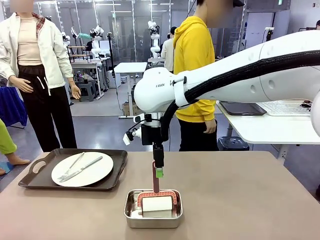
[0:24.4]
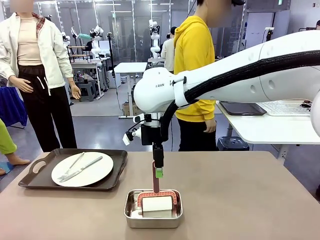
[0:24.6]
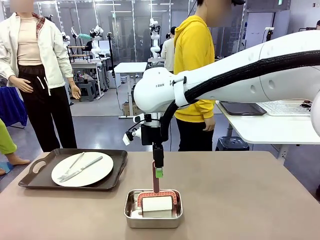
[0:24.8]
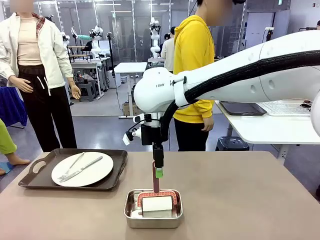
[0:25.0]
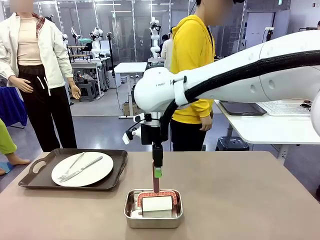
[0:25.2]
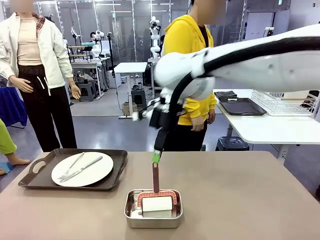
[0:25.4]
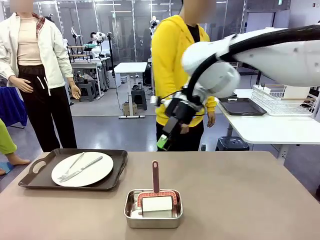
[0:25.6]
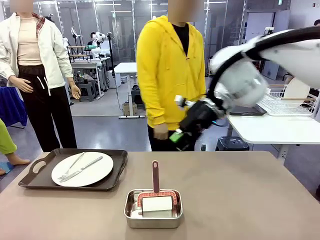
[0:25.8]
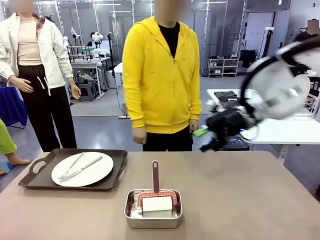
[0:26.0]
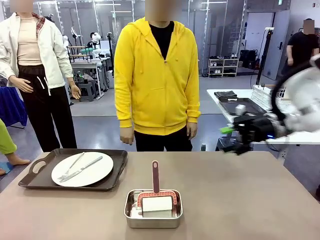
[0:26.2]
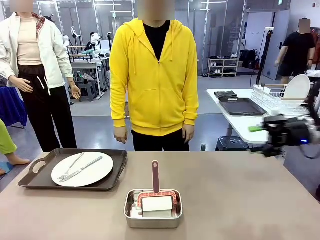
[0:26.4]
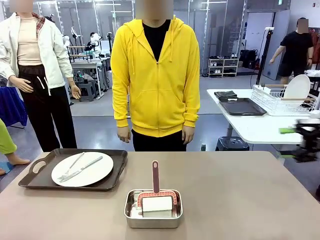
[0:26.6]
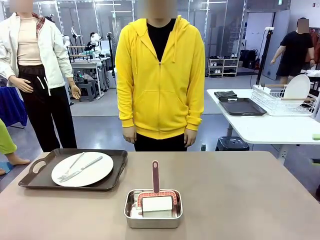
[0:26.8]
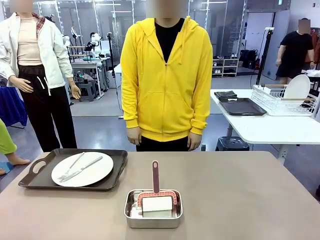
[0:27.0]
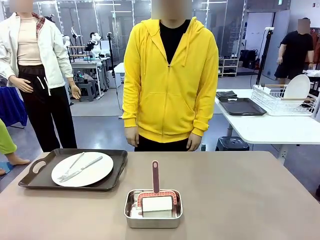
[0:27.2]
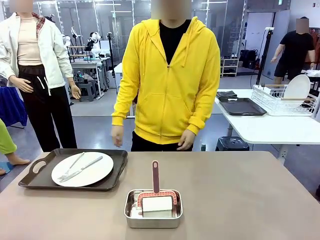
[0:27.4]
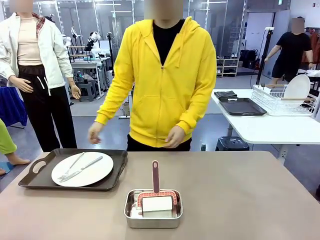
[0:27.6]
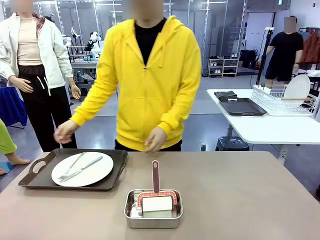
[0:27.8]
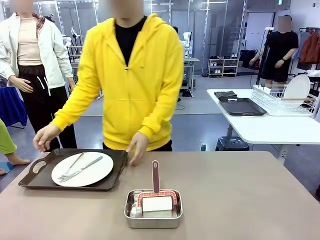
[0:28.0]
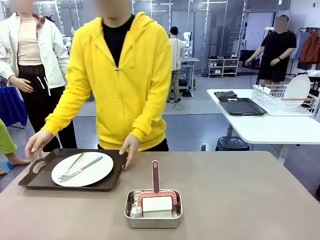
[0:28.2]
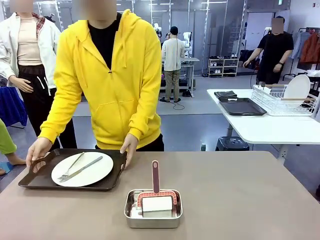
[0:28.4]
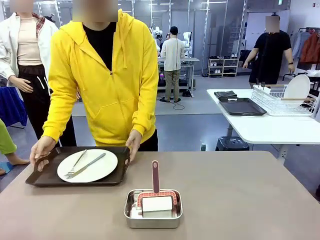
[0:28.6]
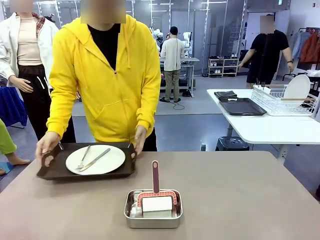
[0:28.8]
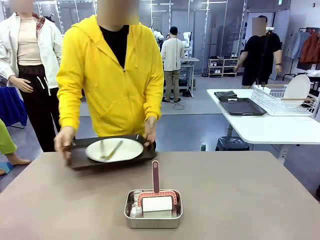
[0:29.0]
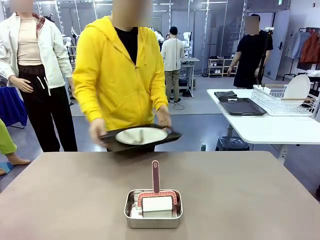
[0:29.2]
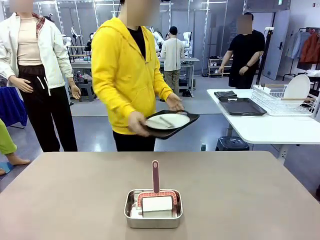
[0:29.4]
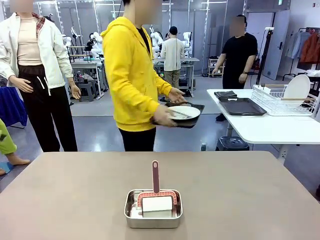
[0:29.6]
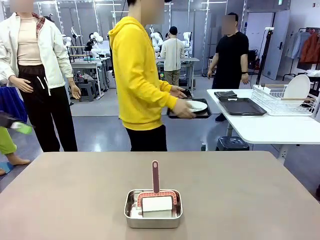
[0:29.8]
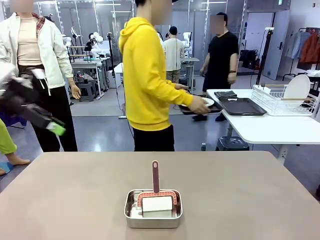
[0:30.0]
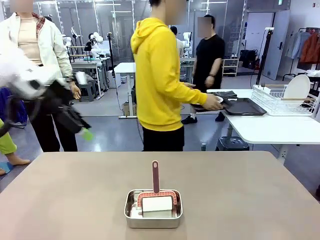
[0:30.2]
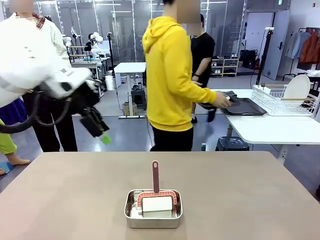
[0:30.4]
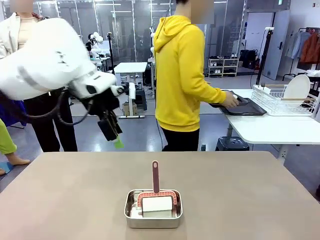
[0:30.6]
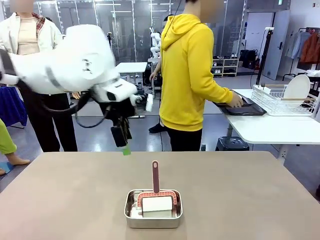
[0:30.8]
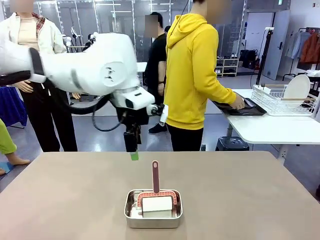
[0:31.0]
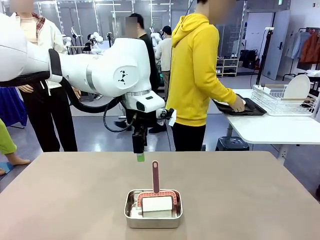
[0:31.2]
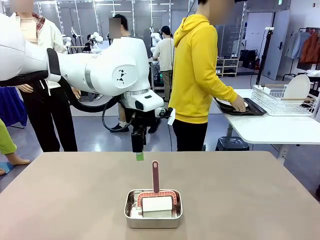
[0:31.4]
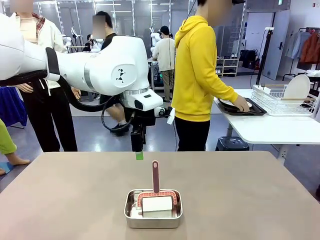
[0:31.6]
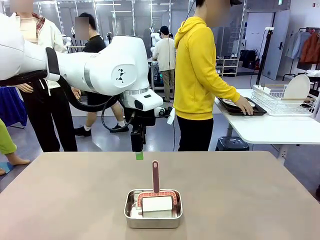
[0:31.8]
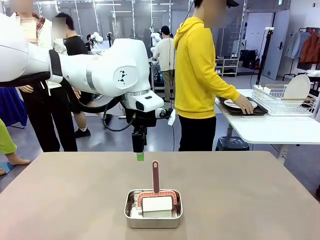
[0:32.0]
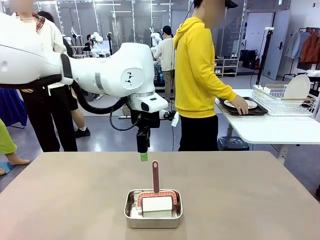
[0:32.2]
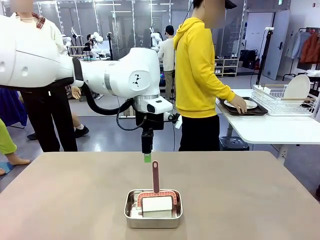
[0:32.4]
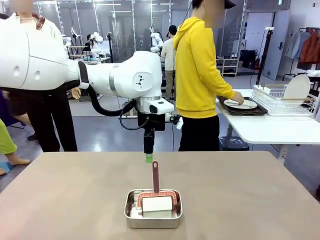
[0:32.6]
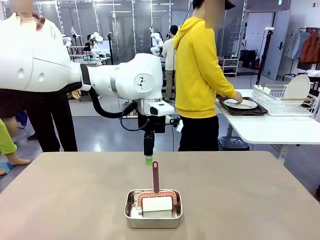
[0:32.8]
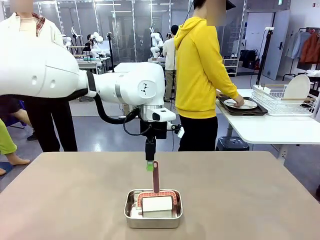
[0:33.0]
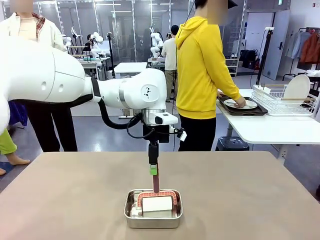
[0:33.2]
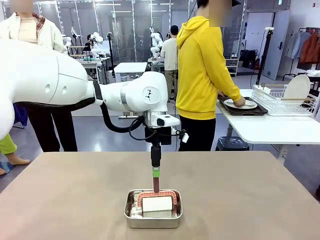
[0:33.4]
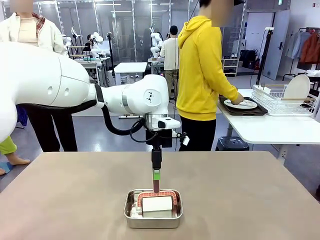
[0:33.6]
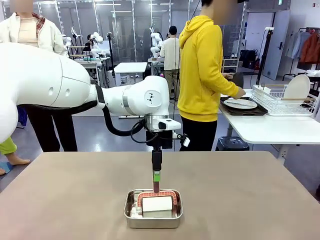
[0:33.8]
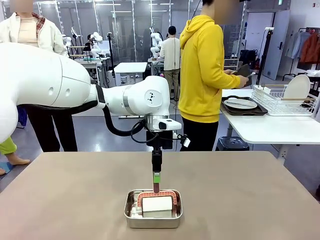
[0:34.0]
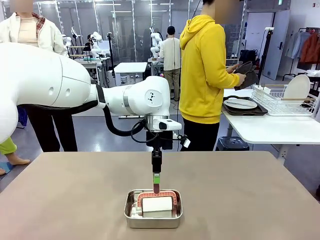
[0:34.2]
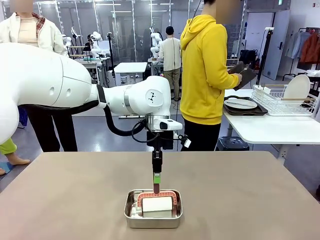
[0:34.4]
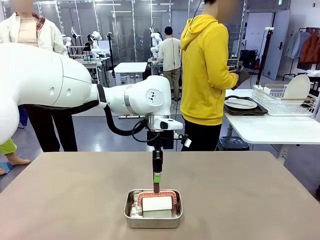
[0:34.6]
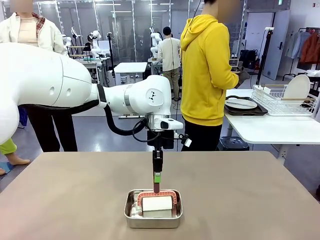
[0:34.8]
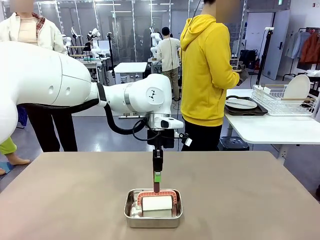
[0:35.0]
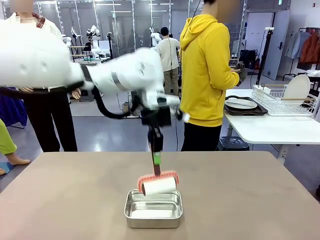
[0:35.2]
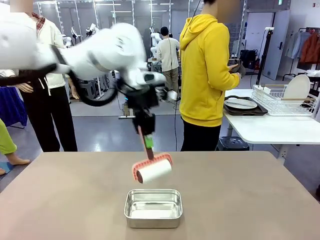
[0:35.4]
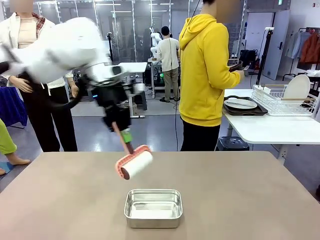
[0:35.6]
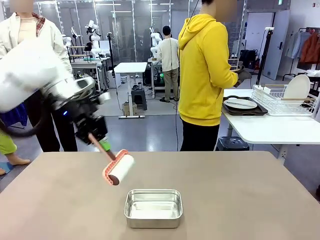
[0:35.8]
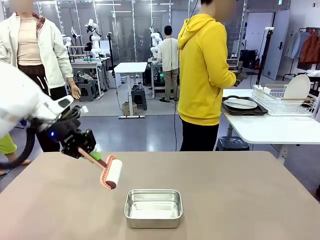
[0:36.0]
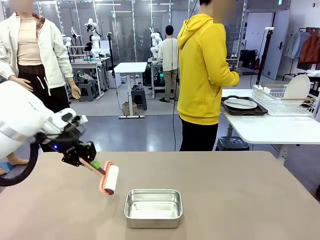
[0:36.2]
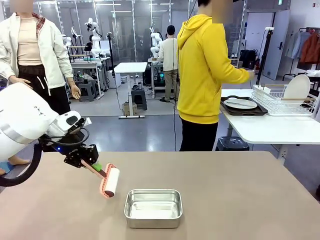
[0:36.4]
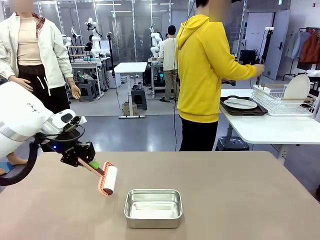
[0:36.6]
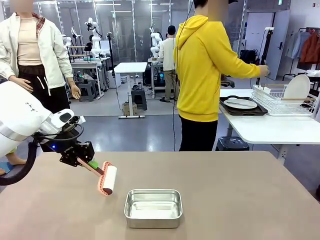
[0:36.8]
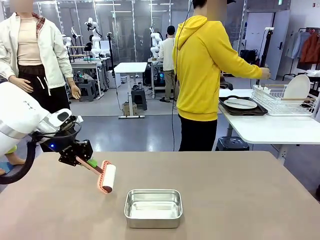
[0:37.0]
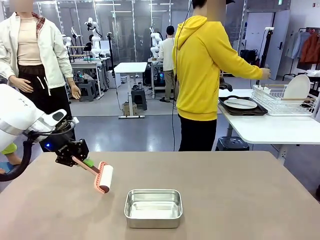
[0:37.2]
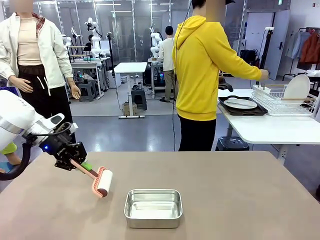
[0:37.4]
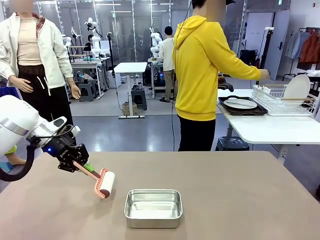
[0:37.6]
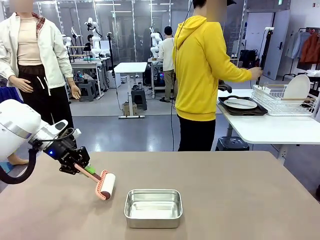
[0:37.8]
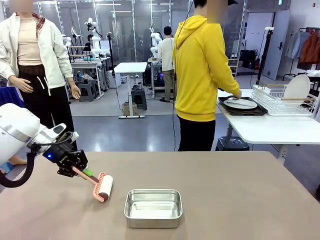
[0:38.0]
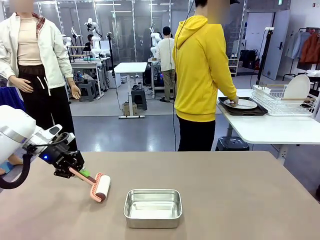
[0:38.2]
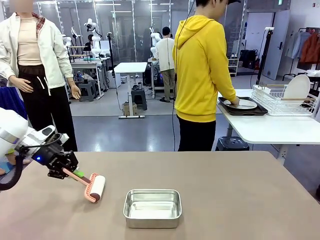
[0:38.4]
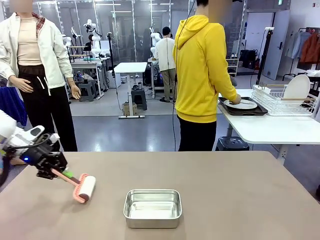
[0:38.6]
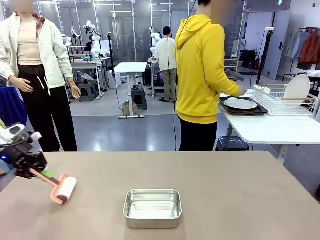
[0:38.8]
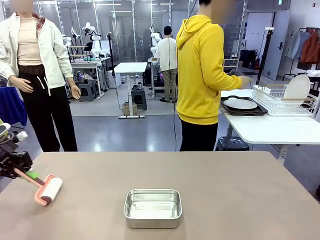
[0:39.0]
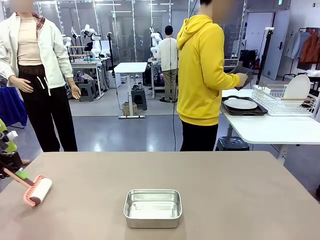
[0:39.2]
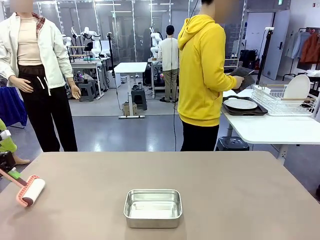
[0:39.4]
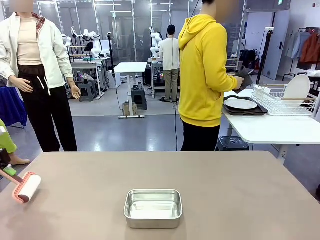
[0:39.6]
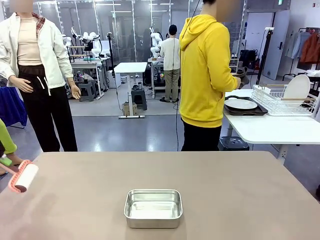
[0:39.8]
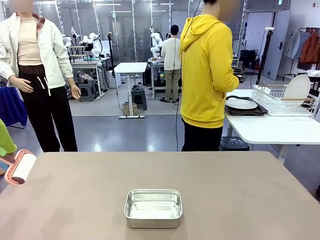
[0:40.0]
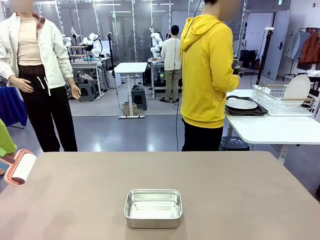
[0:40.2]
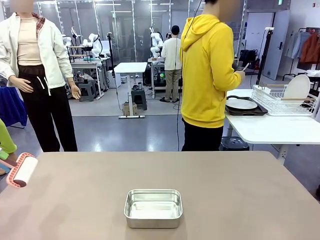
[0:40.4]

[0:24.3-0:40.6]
Robot: When the right (or left) Handle tray is removed, use the right hand (or left hand) to clean the right (or left) side of the table with the Lint Roller.
Person: Pick up the left (or right) Handle tray and place it on the Handle tray.

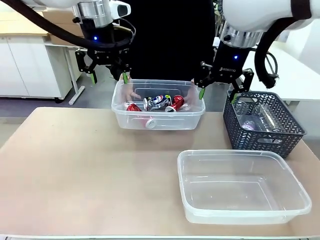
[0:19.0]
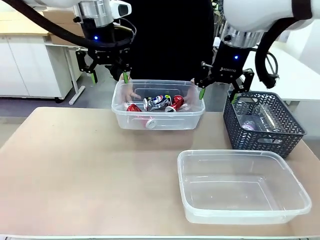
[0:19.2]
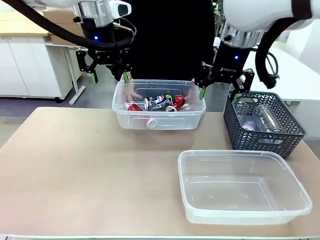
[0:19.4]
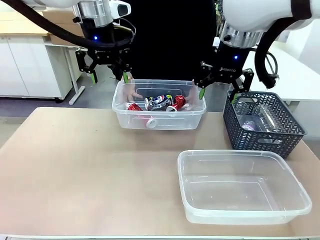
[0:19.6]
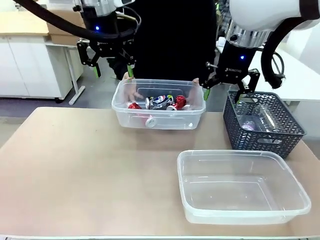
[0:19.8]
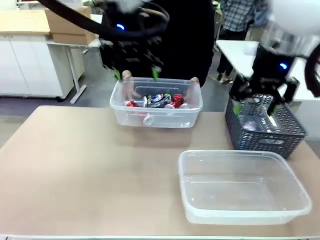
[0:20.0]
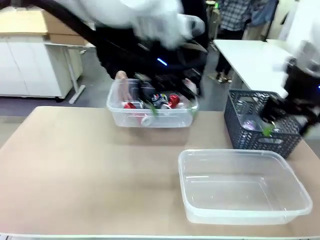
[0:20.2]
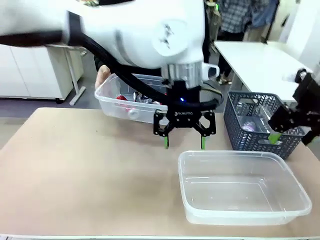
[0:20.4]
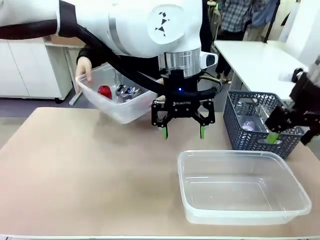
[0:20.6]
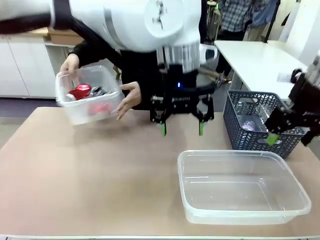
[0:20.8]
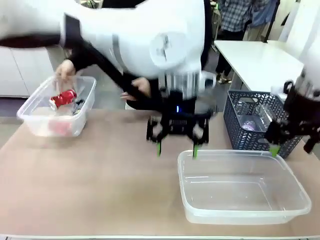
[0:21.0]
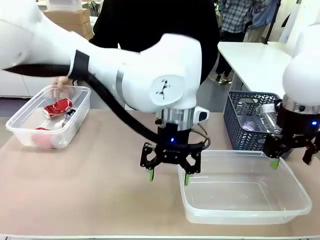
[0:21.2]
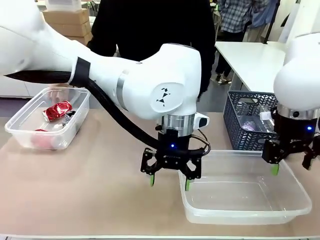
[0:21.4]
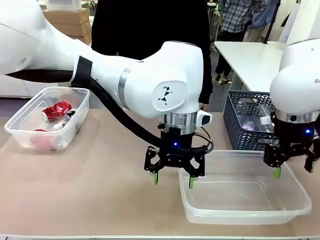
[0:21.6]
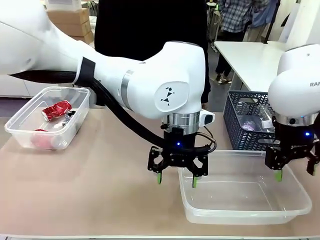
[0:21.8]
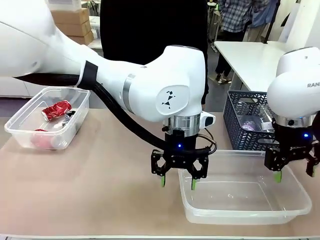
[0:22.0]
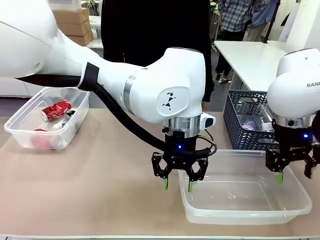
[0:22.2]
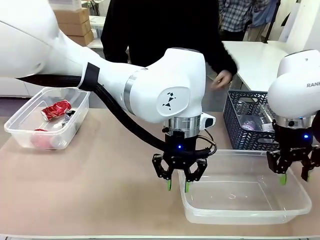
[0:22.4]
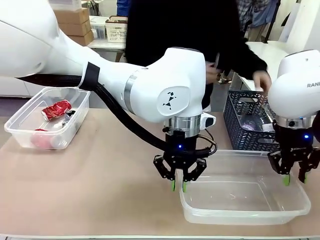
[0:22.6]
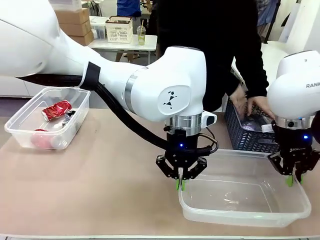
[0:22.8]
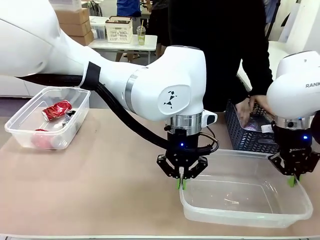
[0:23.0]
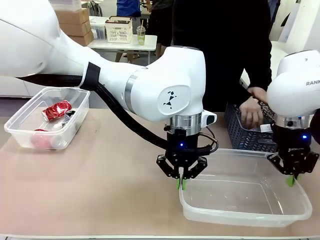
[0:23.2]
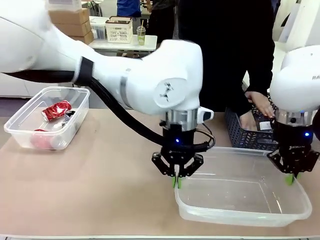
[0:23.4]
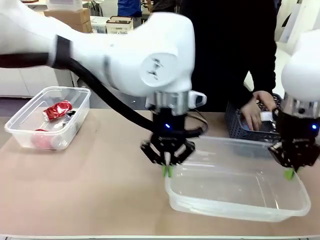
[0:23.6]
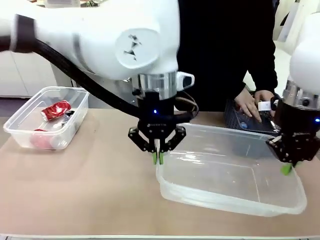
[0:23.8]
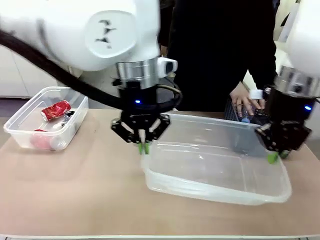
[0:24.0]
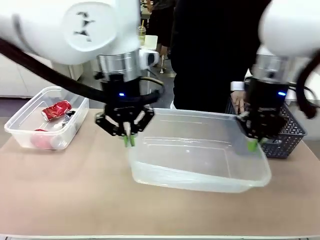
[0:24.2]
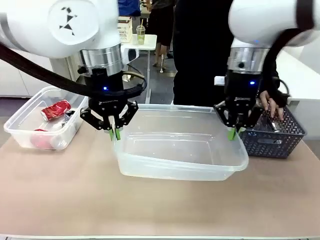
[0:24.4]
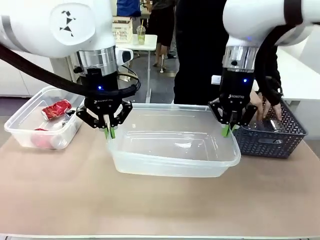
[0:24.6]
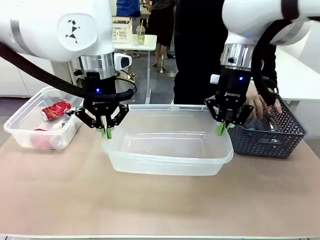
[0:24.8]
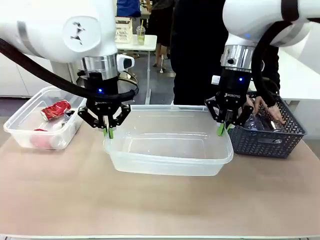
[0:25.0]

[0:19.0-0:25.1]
Robot: Pick up the Organizing box on the right side of the table and lift it.
Person: Place it at the edge of the bottom right area of the robot table.
